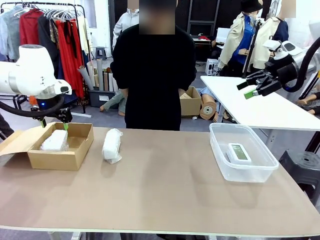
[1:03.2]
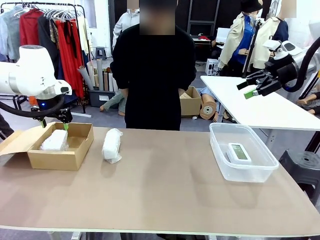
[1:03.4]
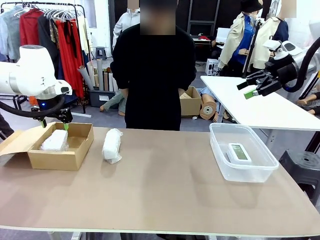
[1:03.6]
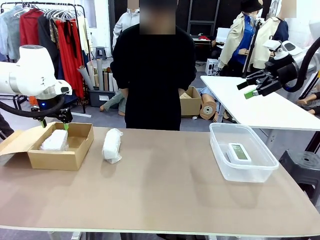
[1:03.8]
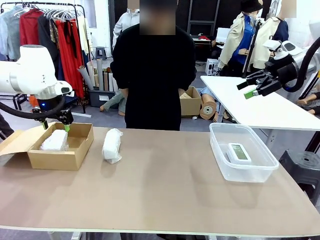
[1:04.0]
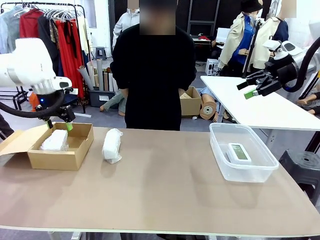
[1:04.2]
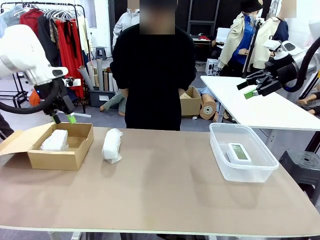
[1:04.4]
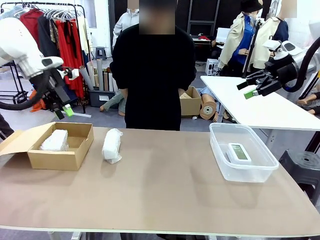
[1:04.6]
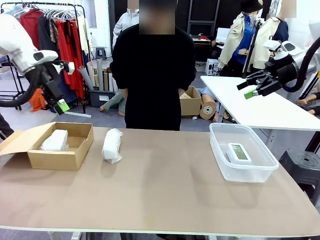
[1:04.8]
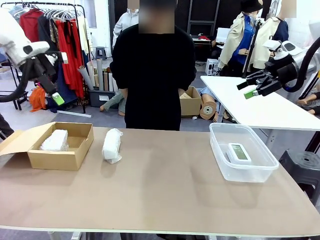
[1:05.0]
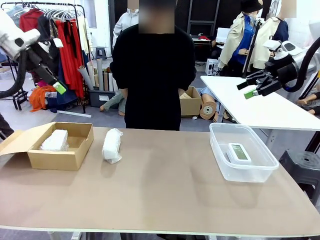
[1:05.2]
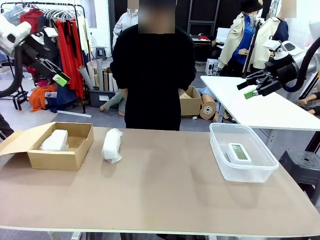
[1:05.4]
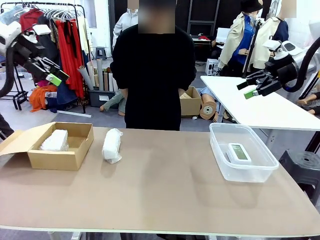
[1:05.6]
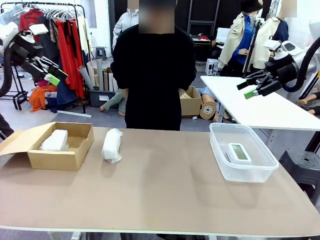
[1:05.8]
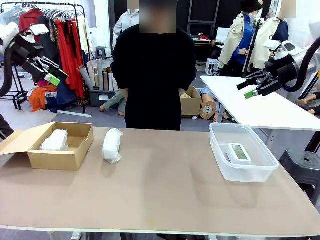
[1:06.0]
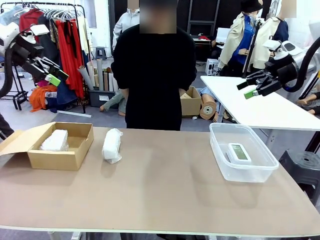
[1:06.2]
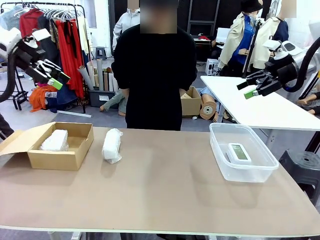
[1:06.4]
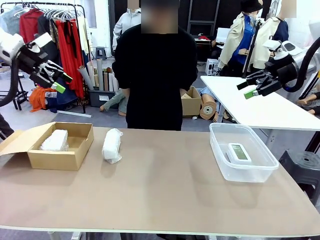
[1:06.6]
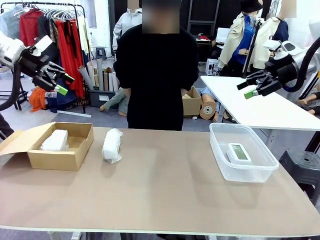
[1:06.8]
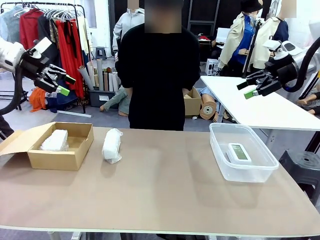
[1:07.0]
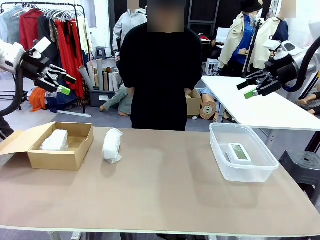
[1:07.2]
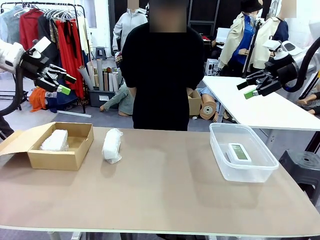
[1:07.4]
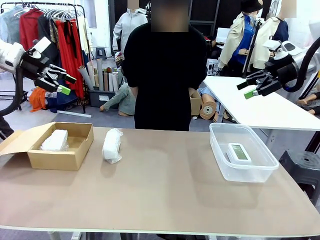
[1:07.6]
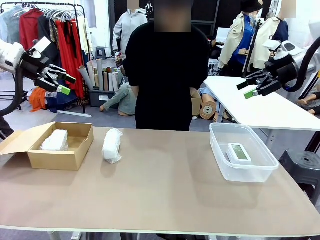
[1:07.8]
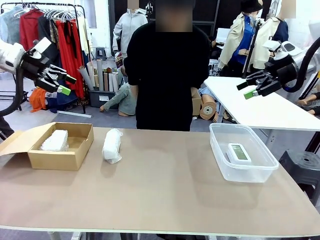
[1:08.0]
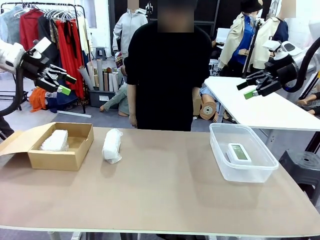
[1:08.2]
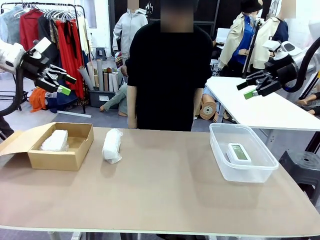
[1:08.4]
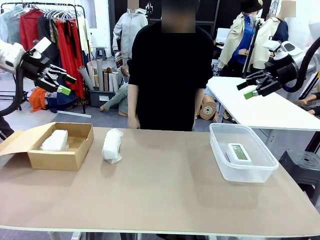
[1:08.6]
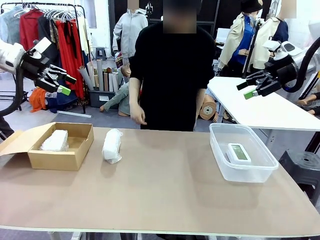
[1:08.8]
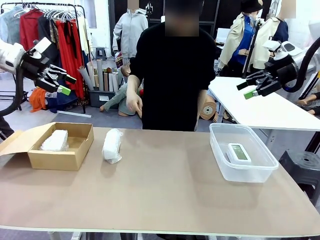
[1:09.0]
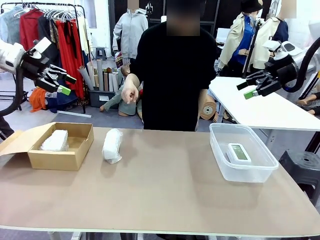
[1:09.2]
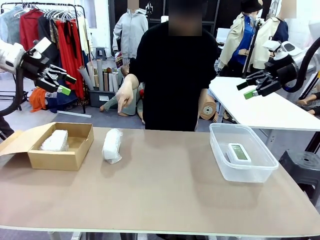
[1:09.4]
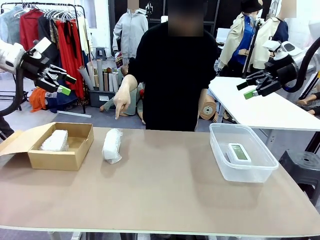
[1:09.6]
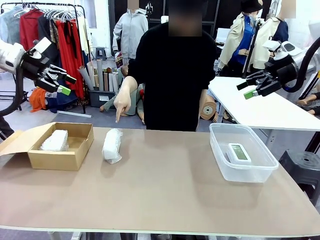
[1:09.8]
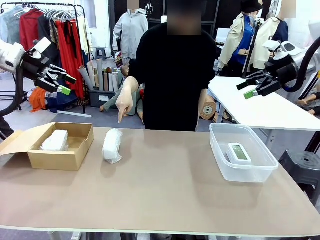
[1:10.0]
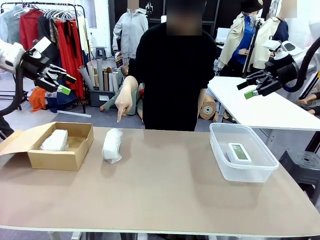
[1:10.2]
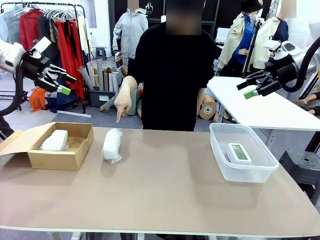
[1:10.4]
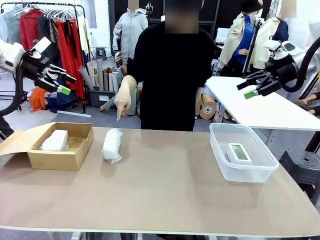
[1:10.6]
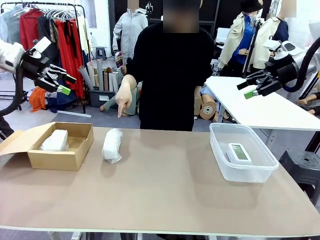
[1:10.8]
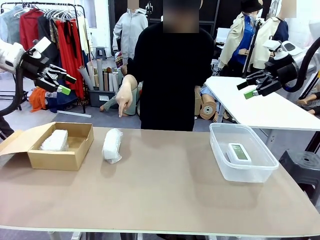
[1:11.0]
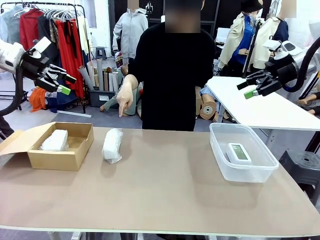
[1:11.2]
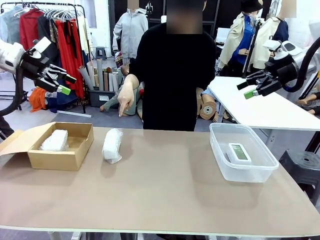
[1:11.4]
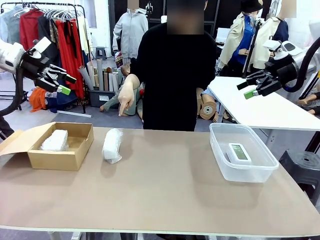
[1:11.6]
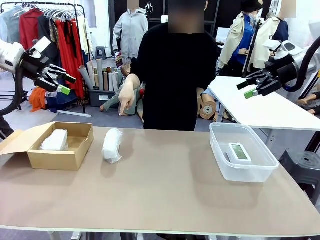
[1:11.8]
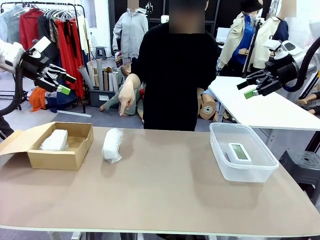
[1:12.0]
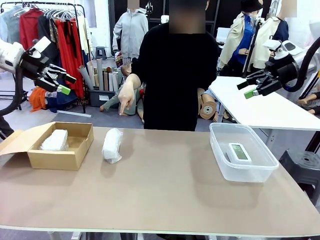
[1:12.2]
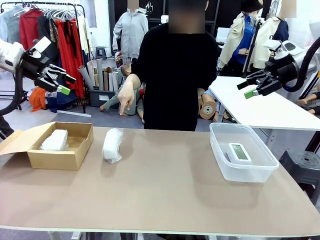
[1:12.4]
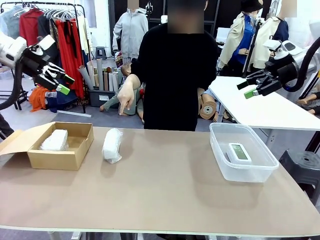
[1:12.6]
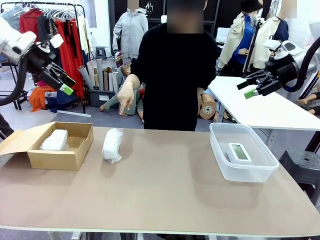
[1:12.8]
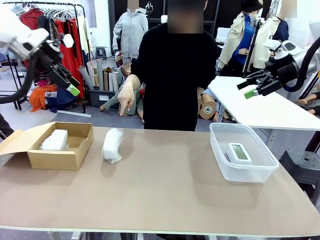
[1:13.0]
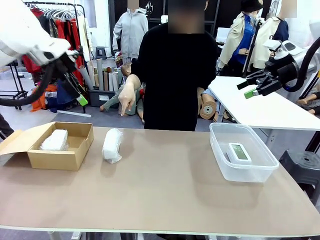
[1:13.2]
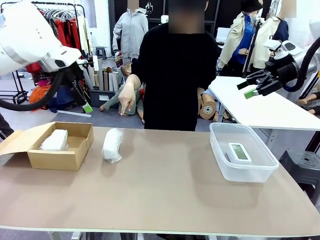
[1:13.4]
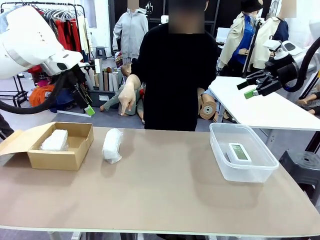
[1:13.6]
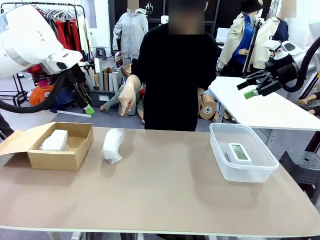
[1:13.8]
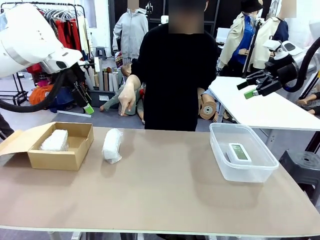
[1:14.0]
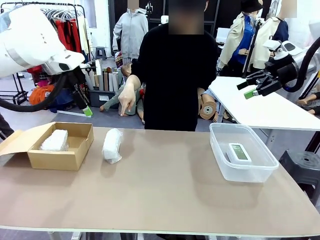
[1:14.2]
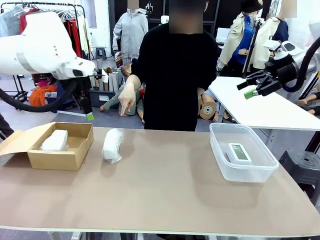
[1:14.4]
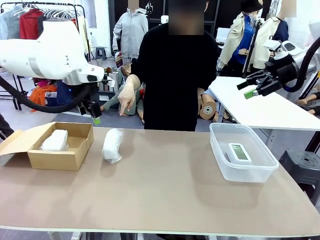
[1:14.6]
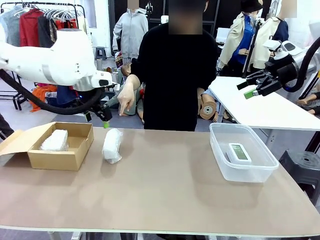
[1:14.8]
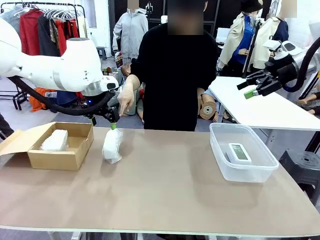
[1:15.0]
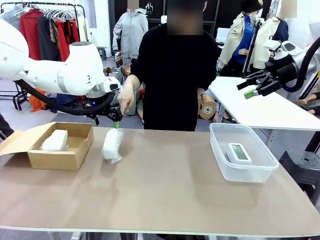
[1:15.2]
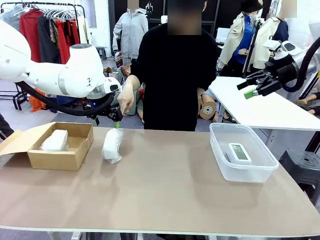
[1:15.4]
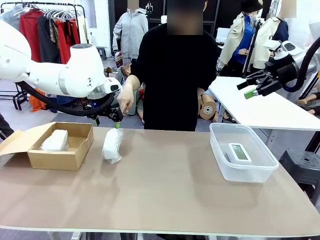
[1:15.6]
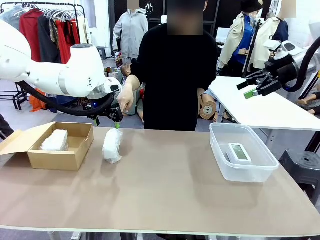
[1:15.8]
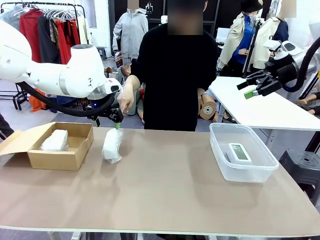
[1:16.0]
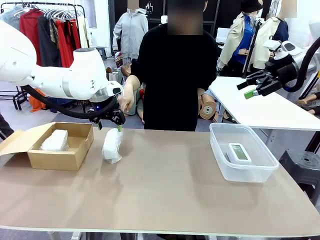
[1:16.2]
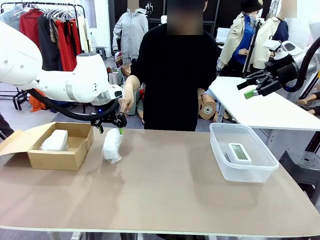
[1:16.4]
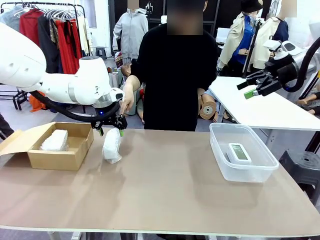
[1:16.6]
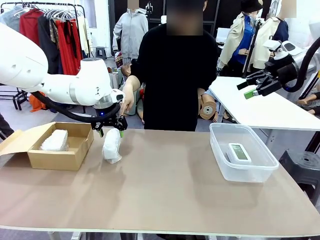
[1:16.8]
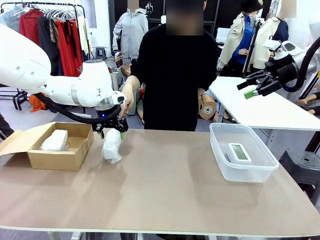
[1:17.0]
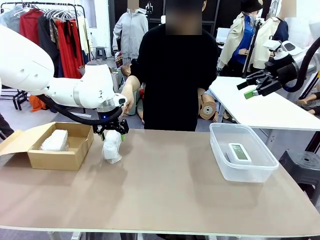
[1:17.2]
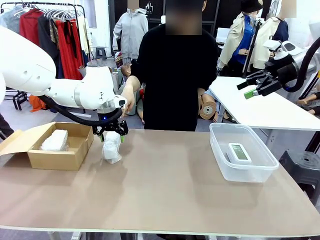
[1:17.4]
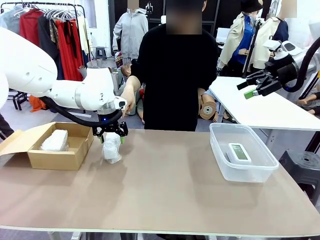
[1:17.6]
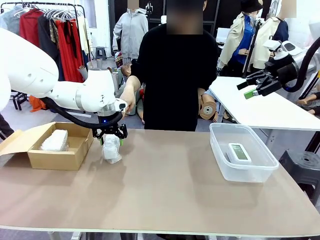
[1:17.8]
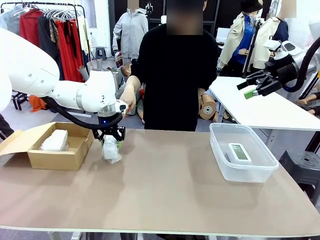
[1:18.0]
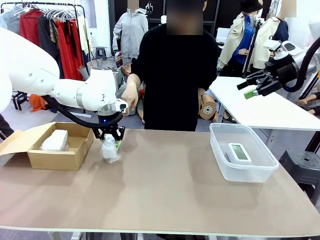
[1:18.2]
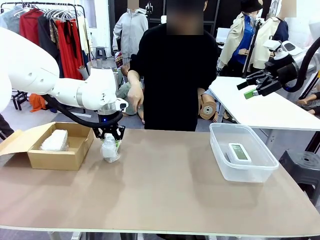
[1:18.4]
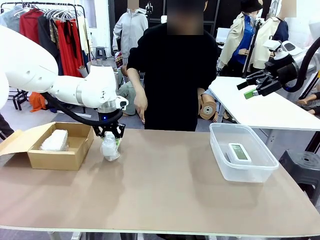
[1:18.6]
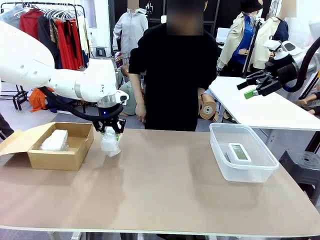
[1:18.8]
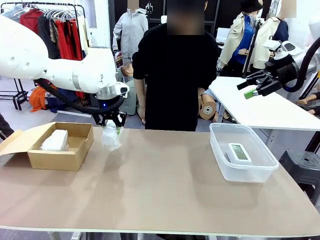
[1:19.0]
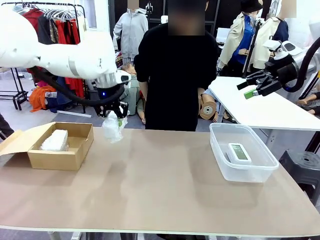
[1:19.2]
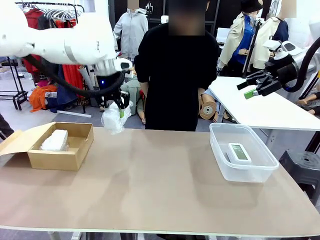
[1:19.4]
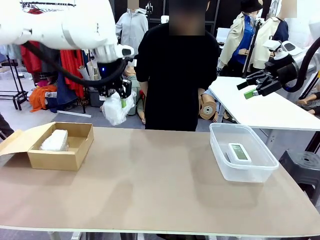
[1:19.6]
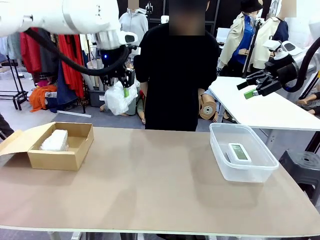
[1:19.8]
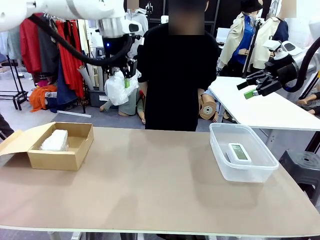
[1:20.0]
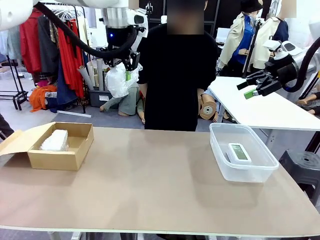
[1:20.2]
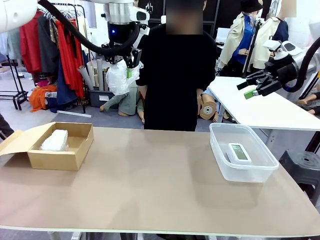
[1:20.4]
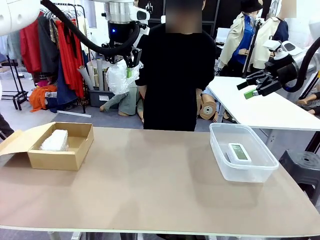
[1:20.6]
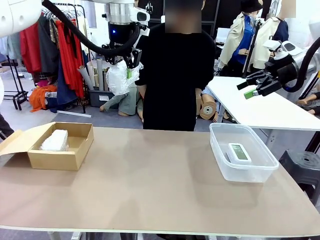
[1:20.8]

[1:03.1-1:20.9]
Task: Separate and place wrapped and unwrapped clocks.
Robot: Pick up the Digital clock indicated by the person.
